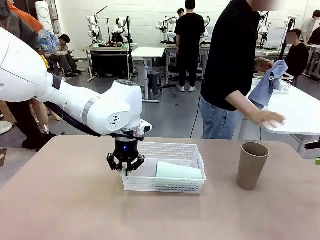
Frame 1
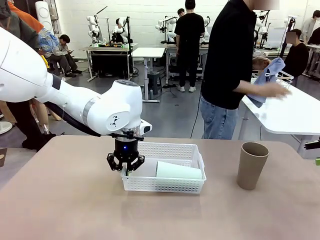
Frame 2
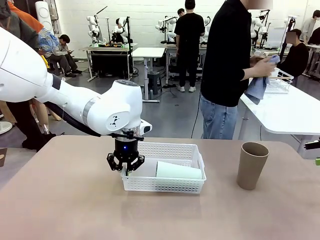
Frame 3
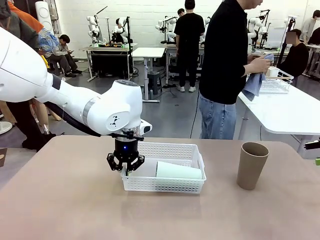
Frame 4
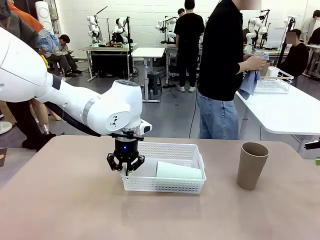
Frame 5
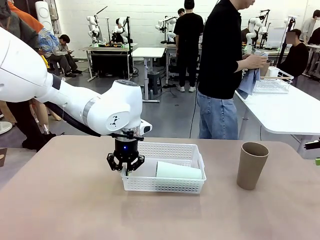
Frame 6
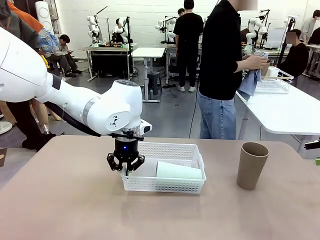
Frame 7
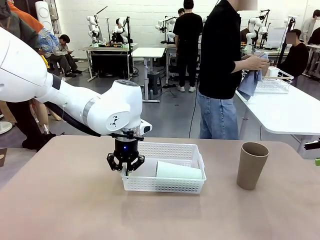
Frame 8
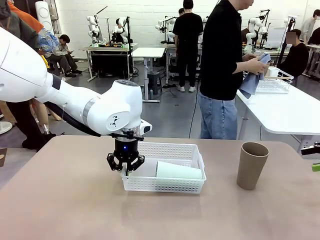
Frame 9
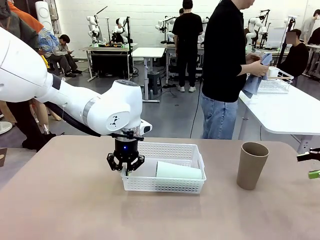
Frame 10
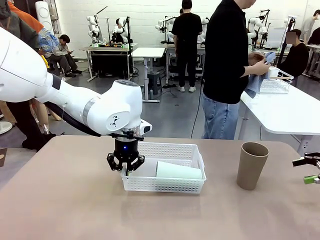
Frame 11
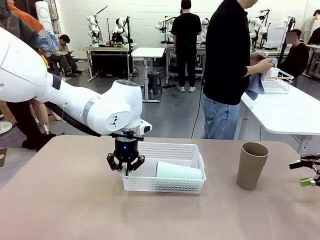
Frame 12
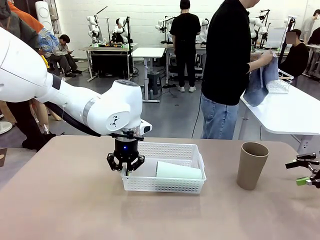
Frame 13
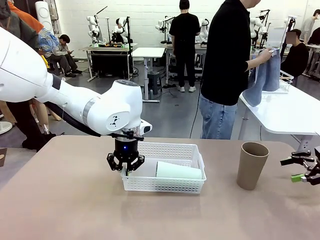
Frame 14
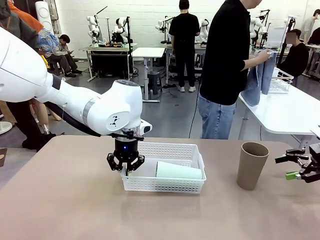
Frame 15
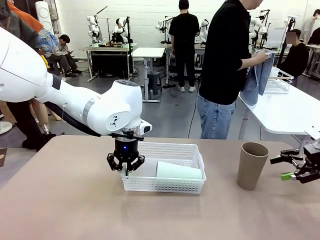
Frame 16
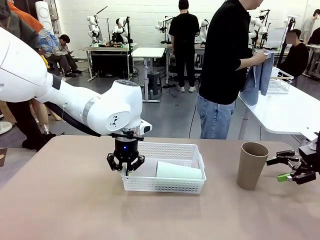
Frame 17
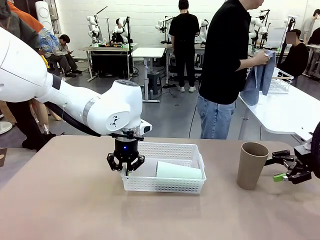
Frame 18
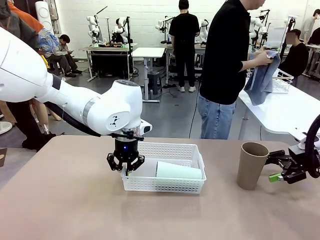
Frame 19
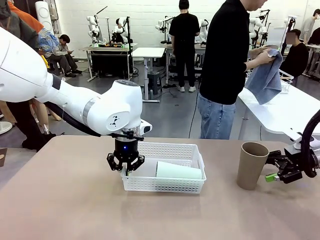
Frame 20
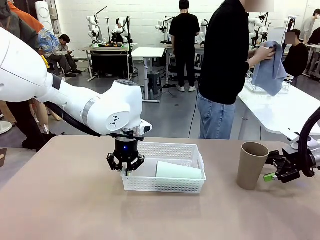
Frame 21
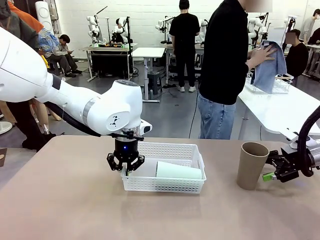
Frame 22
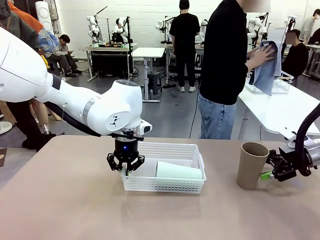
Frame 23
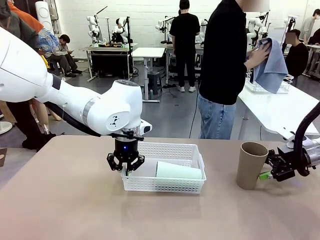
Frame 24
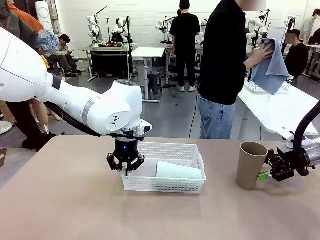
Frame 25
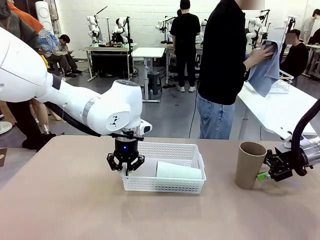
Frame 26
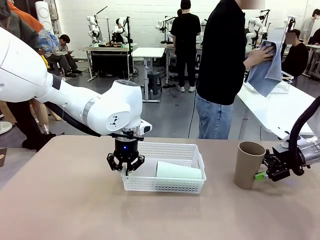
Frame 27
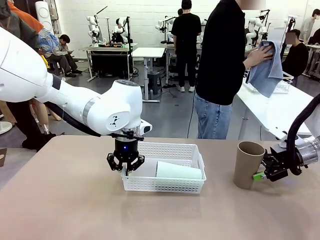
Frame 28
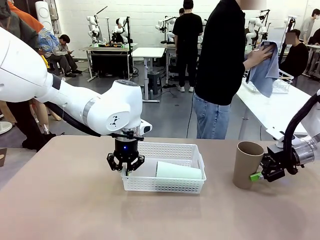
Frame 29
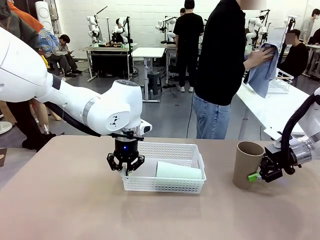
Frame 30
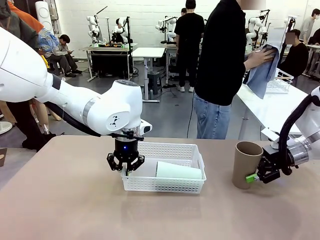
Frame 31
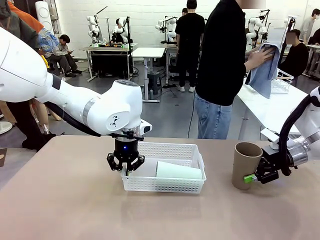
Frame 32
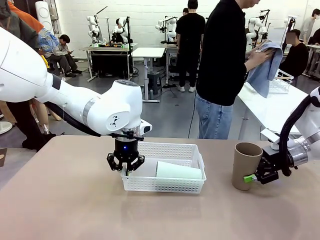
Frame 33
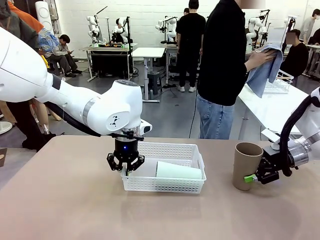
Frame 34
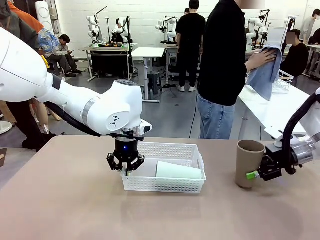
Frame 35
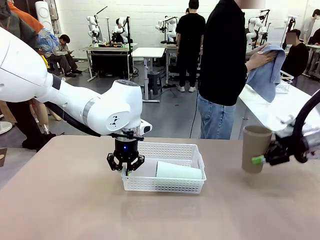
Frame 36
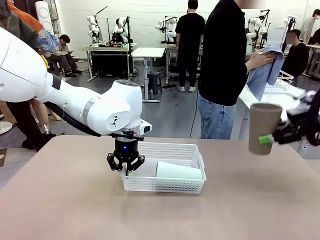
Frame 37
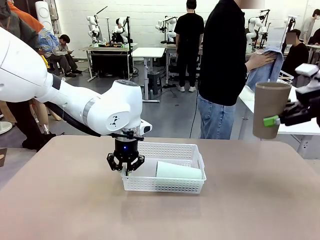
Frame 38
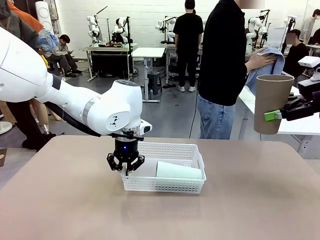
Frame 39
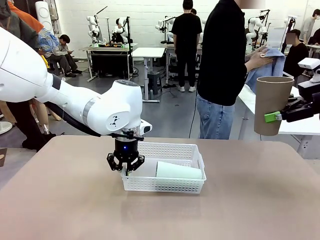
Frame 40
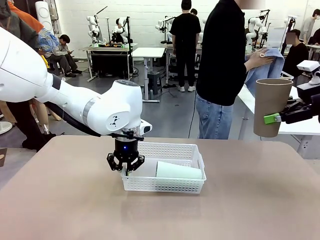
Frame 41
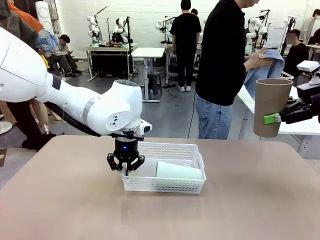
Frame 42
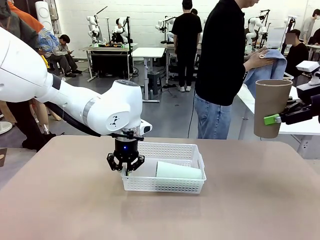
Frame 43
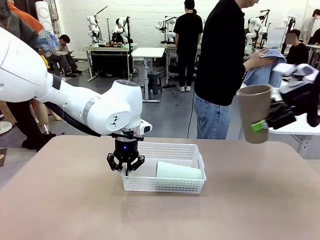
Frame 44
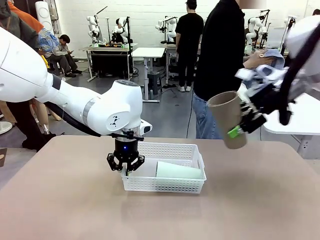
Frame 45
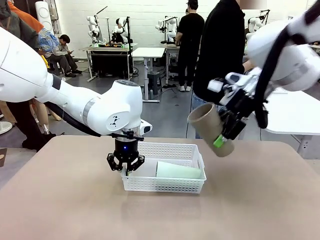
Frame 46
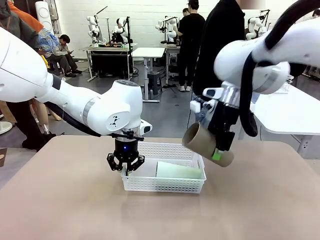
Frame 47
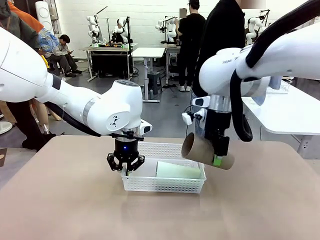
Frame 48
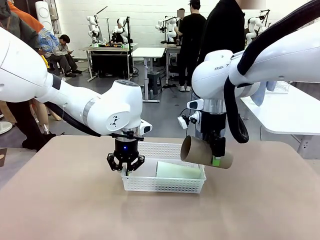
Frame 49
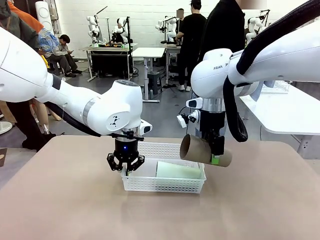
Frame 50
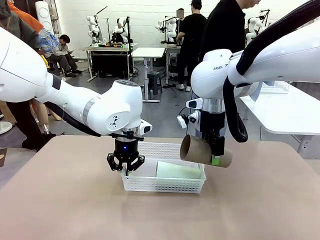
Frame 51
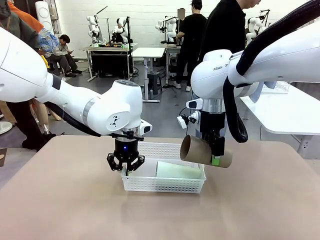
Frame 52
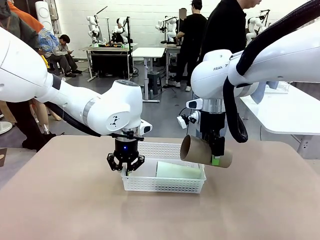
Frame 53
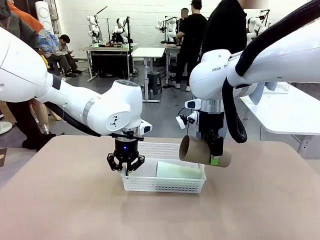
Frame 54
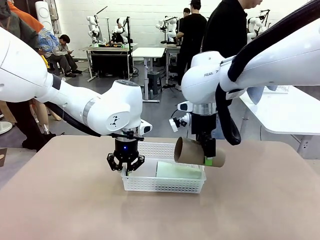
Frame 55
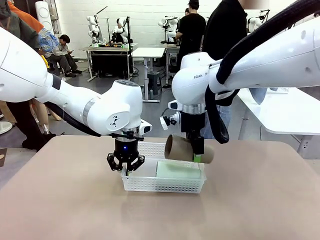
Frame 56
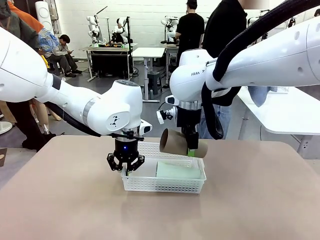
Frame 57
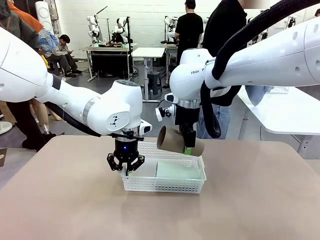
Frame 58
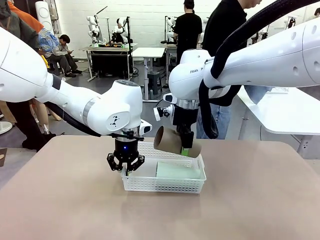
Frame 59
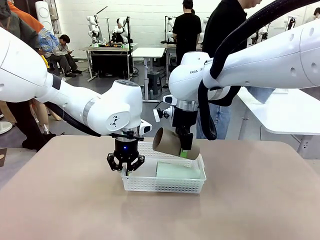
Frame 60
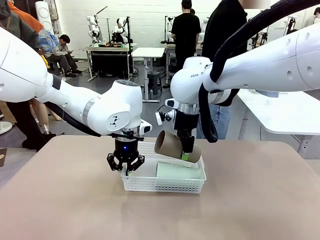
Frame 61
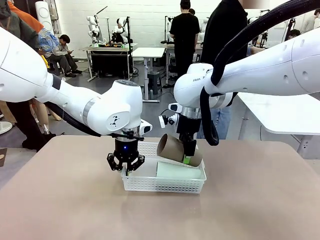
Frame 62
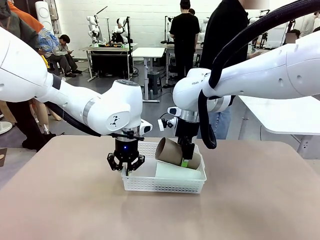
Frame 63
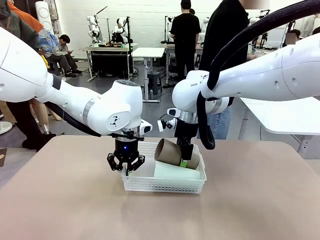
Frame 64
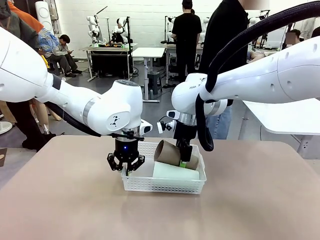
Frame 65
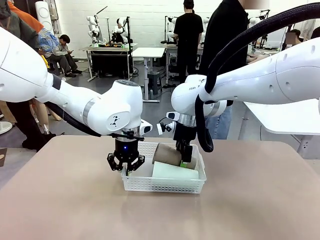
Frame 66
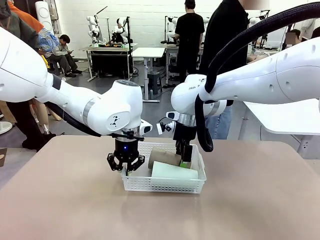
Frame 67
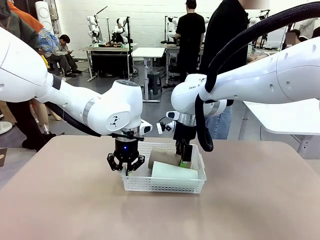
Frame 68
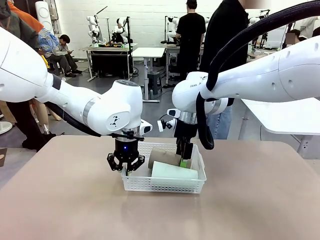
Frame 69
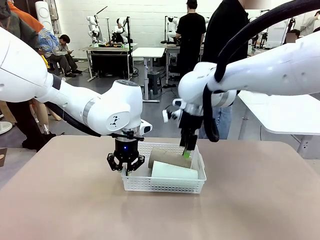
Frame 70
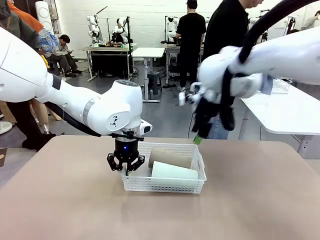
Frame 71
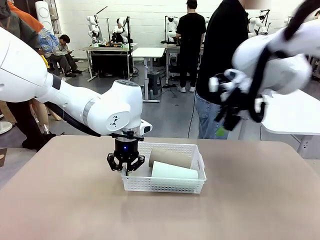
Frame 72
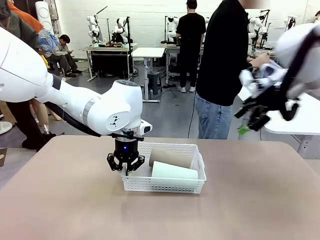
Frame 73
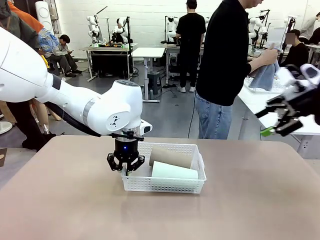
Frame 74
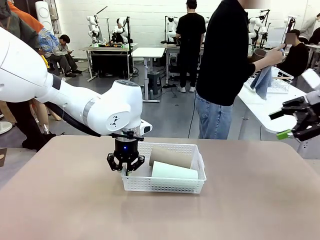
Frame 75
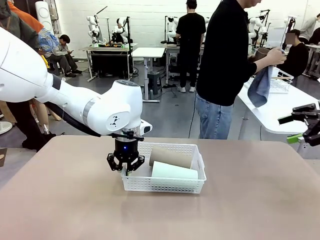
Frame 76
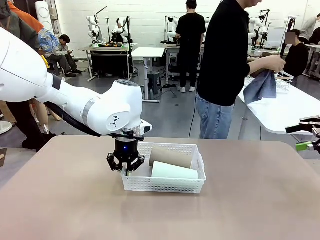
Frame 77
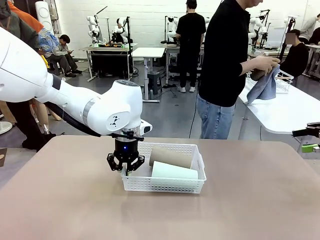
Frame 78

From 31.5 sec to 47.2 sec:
Task: Clean and organize the cups into the basket.
Robot: Pick up the Reusable plastic cup from the right side of the table and stack it inside the Organizing basket in the center of the table.
